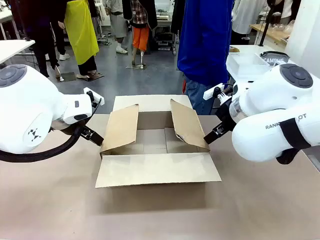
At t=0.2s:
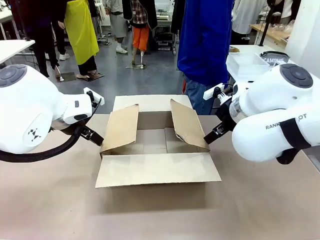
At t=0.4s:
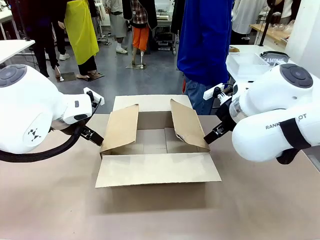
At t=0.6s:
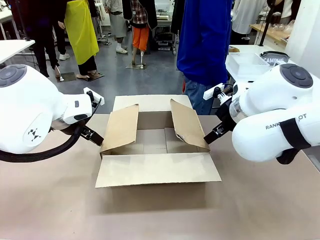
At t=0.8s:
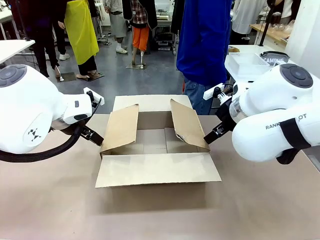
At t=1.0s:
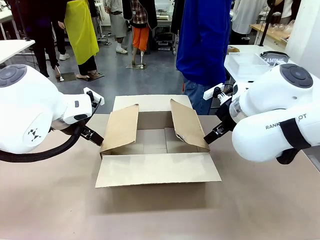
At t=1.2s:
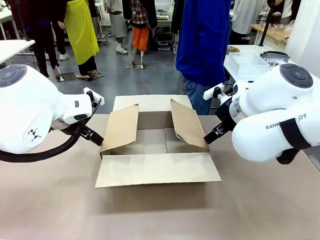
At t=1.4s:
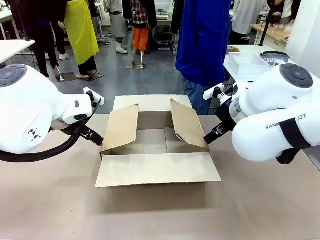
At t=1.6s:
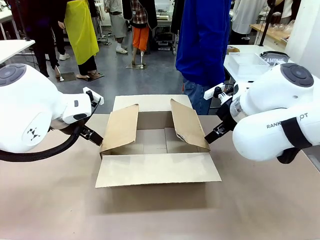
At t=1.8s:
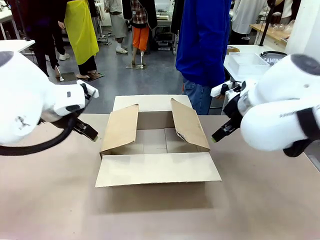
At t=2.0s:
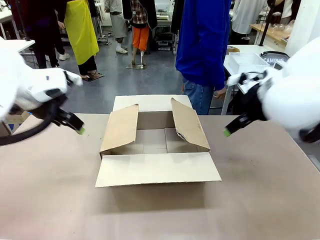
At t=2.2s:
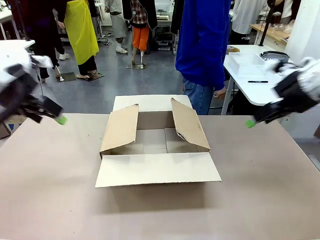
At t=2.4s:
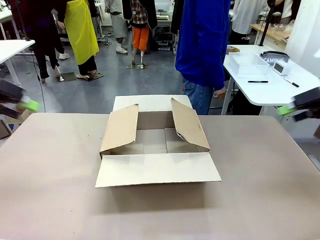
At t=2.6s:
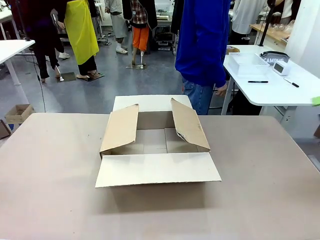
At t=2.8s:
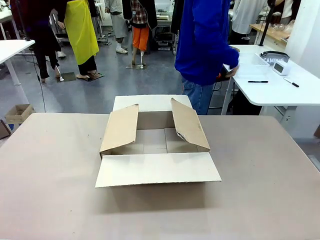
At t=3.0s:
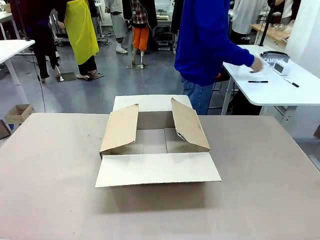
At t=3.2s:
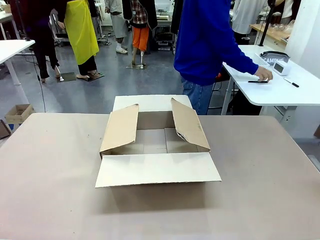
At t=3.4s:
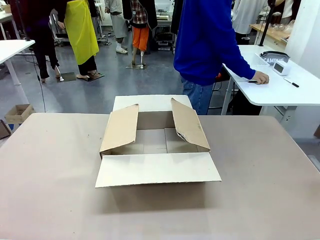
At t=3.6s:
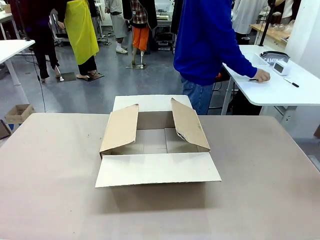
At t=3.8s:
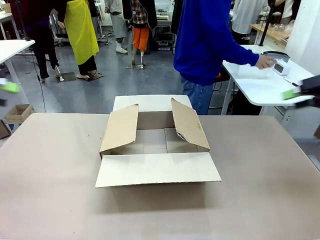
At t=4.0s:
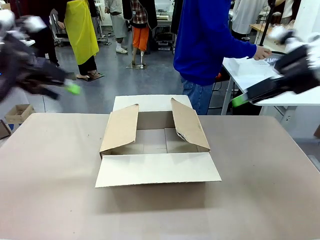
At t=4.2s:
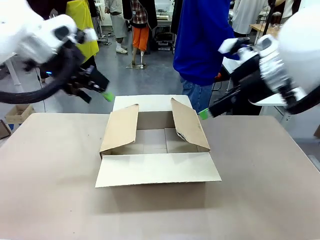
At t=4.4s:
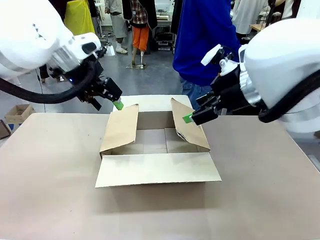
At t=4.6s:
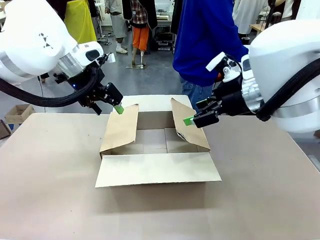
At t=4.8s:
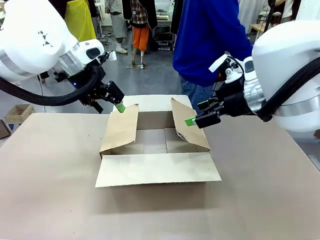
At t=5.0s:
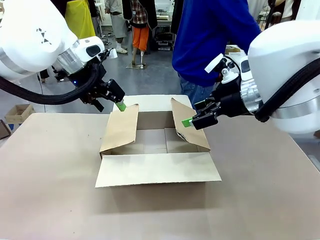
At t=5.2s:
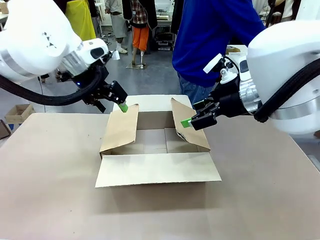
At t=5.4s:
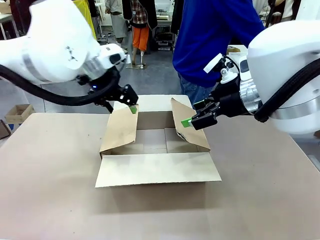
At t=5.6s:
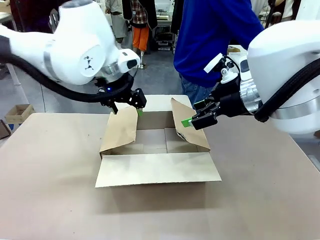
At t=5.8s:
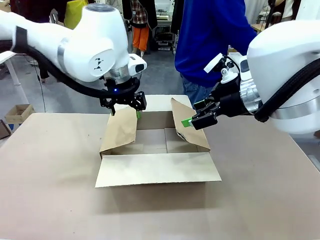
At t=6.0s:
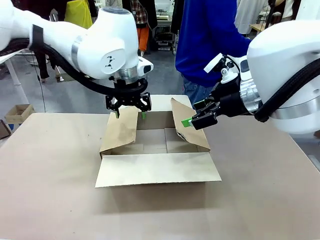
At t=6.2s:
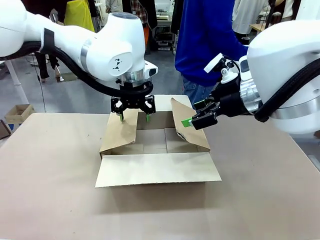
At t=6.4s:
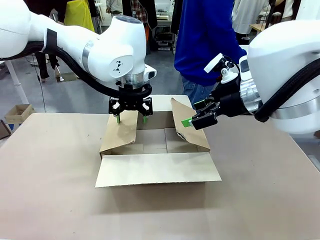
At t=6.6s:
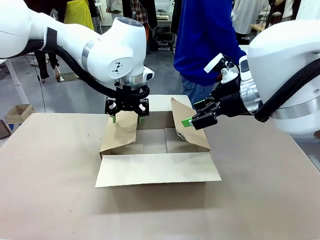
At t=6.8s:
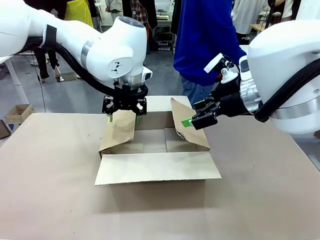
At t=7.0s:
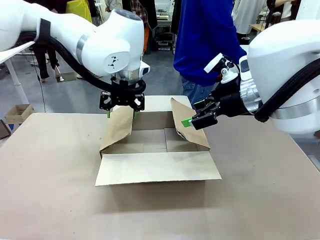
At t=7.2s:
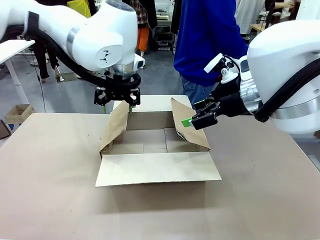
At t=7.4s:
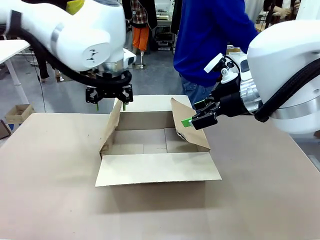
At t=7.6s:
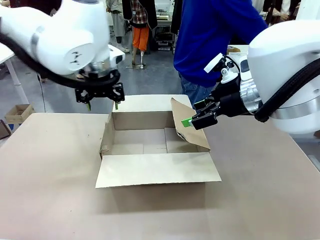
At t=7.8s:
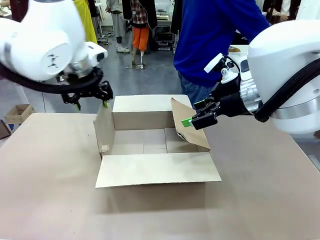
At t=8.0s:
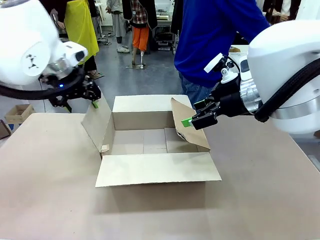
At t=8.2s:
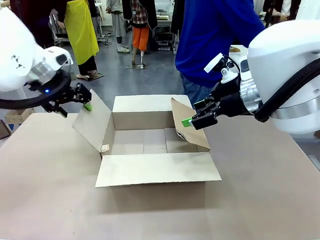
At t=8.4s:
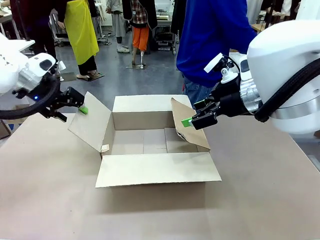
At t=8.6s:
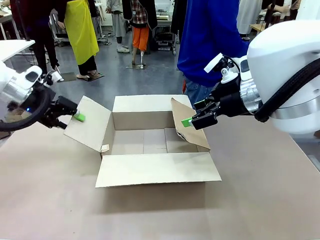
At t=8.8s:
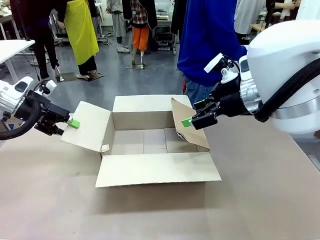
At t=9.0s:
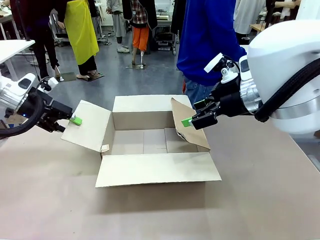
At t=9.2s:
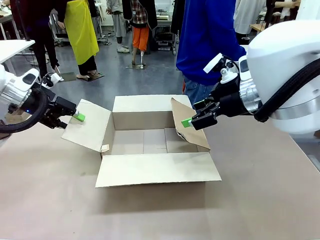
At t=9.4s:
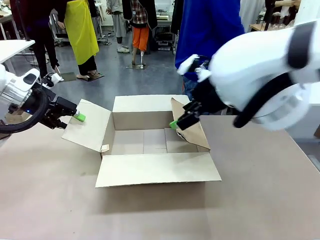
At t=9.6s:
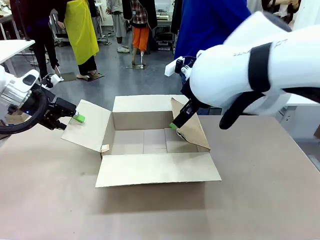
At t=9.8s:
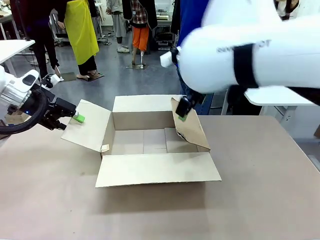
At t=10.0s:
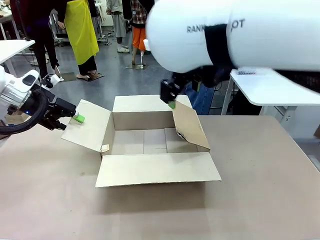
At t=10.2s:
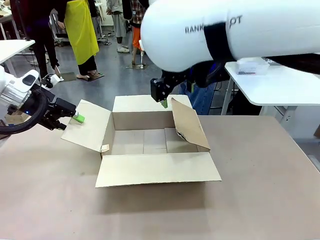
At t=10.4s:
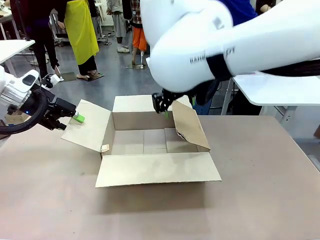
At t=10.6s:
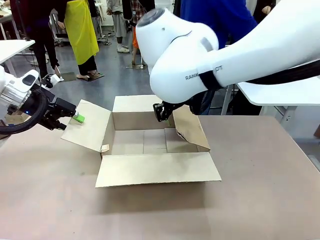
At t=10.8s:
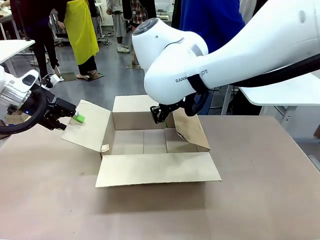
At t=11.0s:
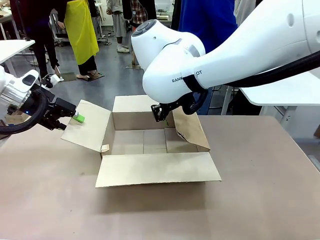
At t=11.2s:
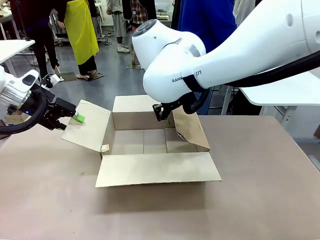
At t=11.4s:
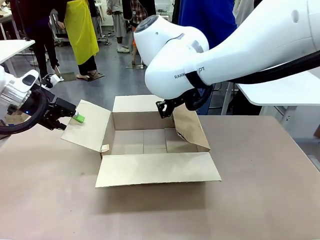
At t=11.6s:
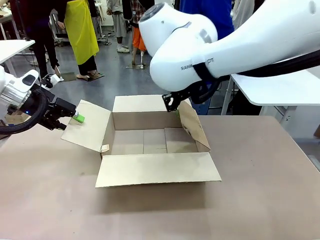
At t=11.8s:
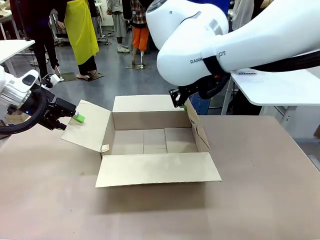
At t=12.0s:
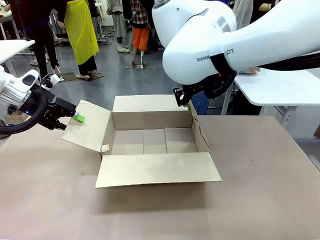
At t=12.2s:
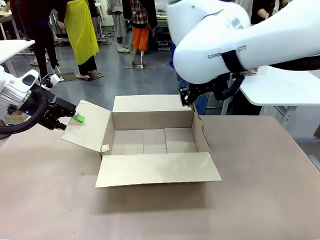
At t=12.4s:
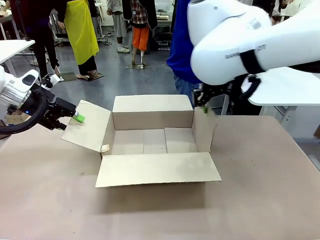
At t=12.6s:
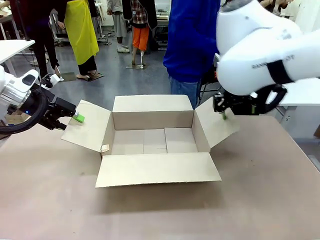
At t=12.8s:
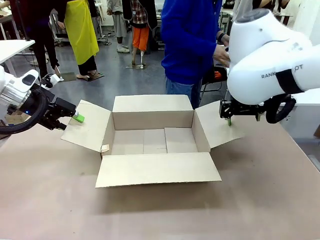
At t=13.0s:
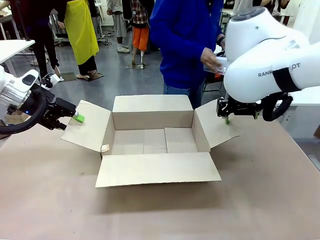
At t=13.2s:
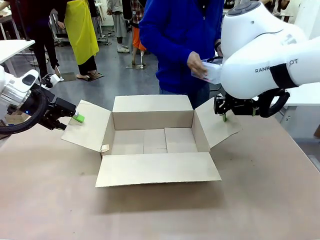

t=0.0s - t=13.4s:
Task: Pack the gift set into the box.
Robot: Place both hands on the side flaps of the Package Box and spread them outward.
Person: The human places all items except the paper tape into the organizing basket.

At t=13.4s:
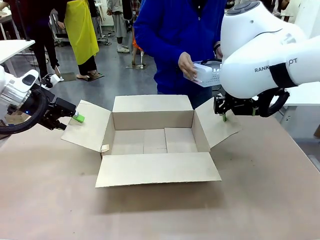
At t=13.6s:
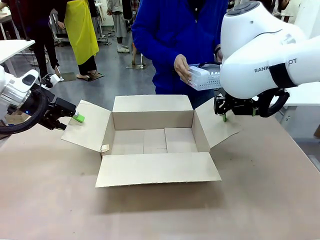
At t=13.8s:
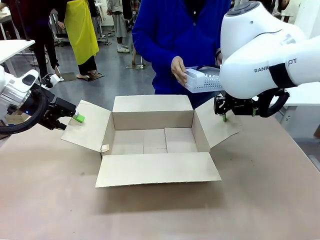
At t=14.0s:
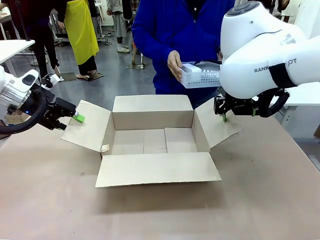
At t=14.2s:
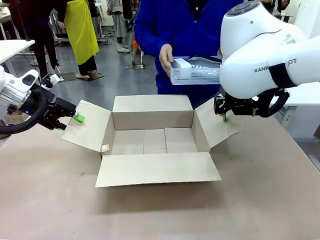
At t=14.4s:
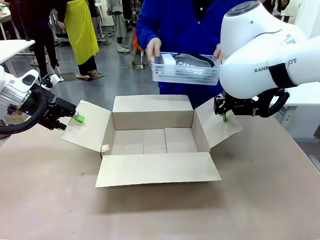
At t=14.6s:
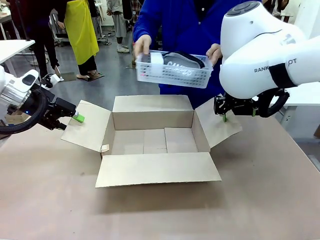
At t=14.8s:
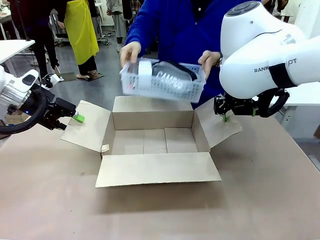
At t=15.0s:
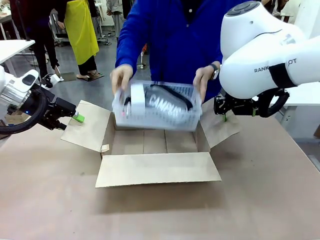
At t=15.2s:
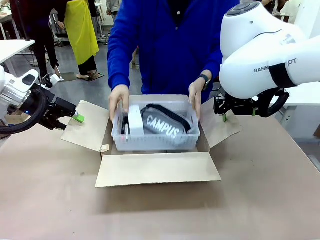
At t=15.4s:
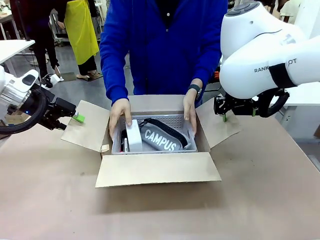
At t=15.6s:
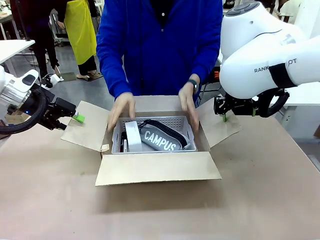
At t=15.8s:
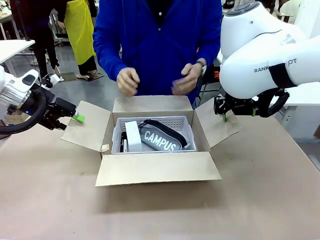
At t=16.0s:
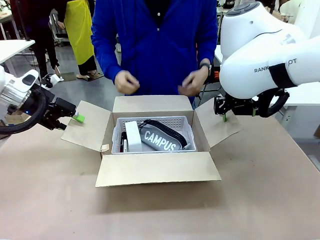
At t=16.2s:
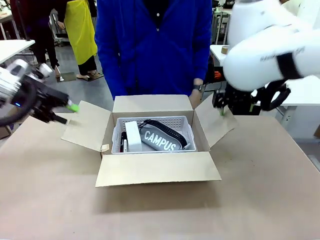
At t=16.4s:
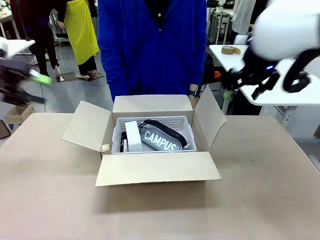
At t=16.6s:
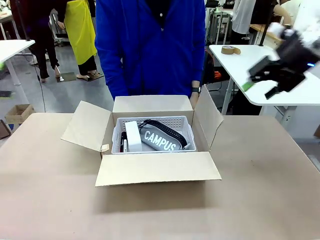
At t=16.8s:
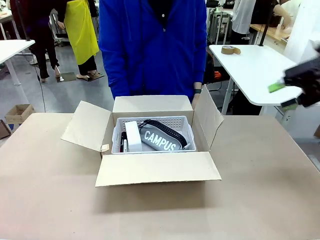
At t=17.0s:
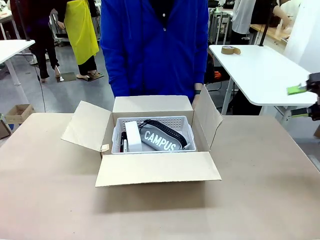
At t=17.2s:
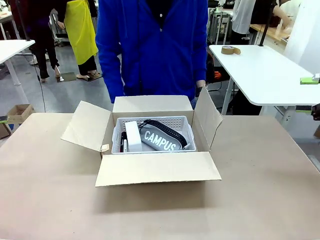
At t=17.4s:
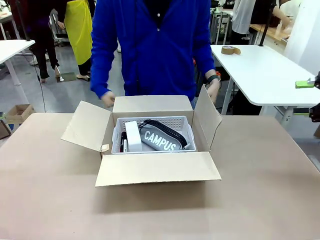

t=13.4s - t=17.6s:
Robot: Lift both hands away from the flaps of the Package Box.
Person: The human picks up the organizing basket and places the organizing basket into the package box on the robot table.
